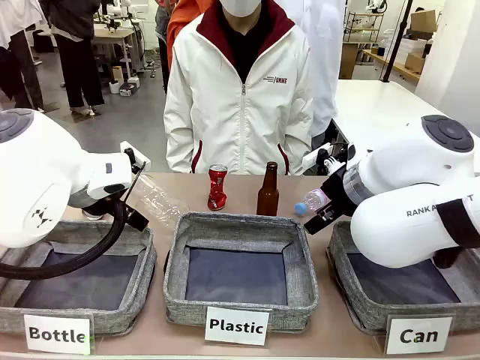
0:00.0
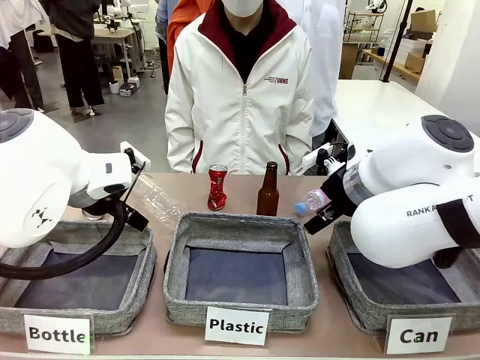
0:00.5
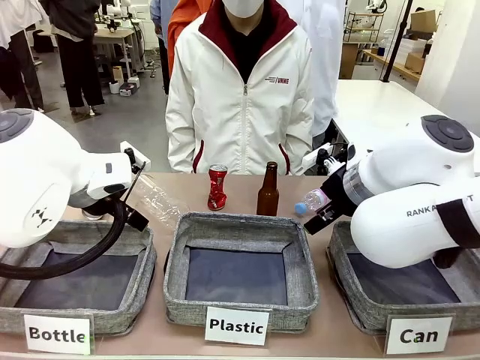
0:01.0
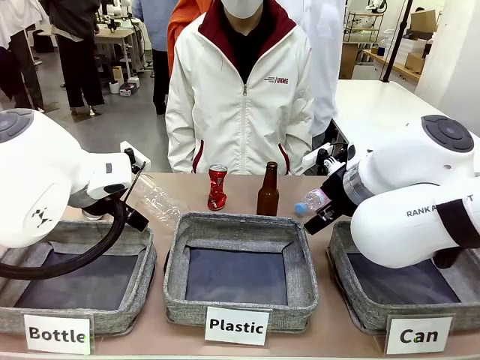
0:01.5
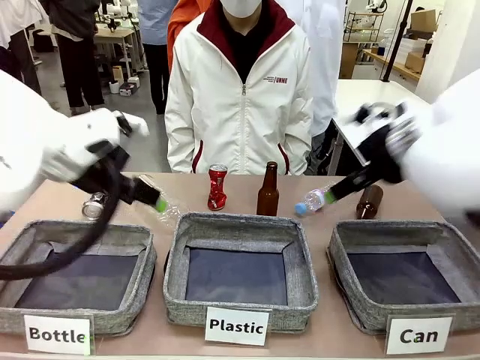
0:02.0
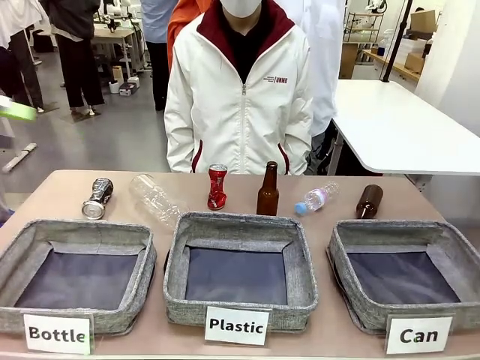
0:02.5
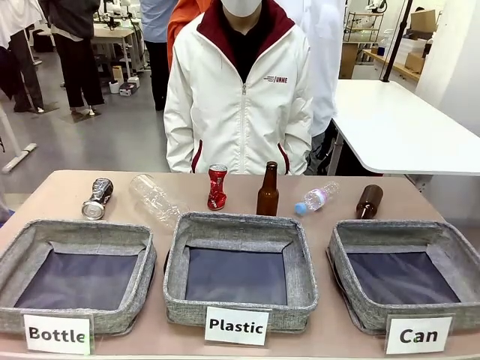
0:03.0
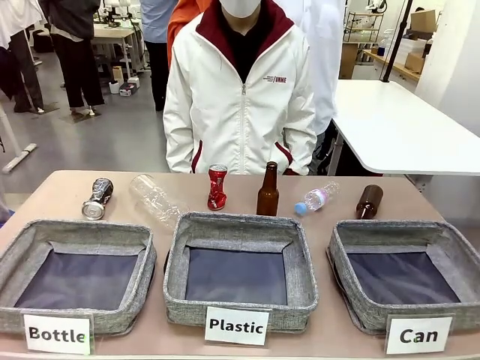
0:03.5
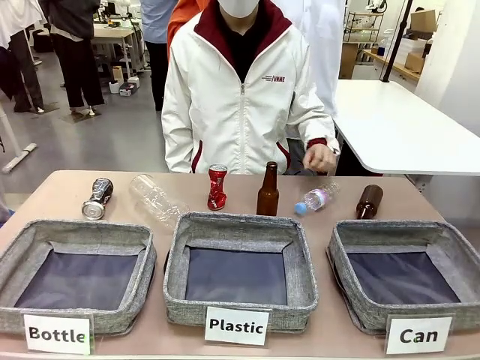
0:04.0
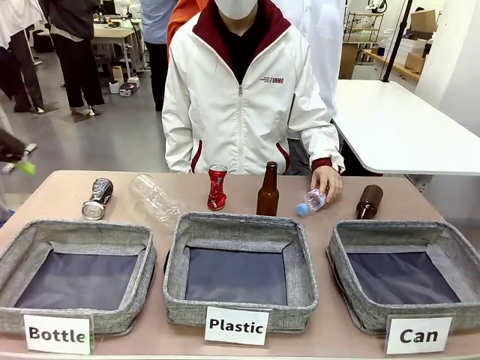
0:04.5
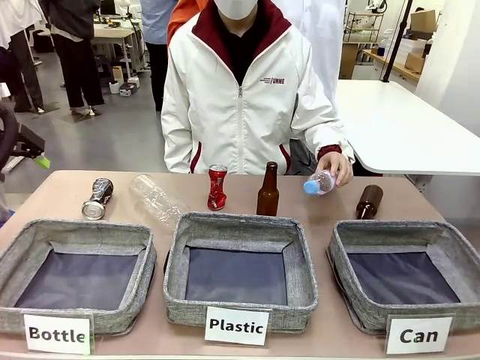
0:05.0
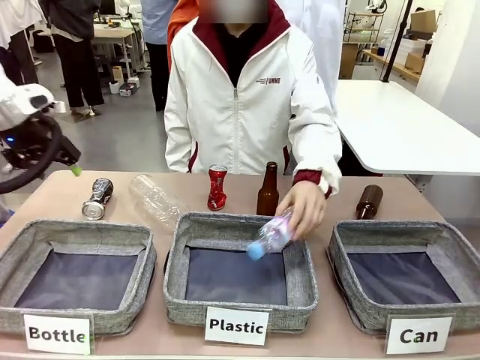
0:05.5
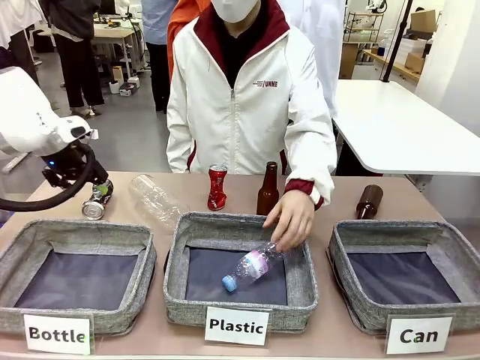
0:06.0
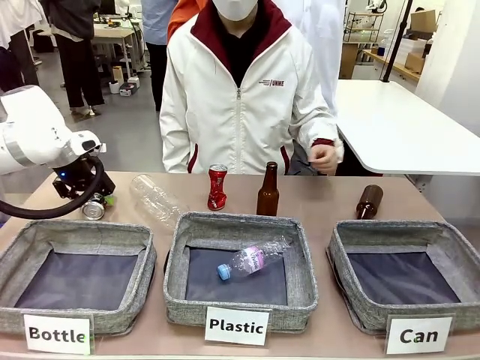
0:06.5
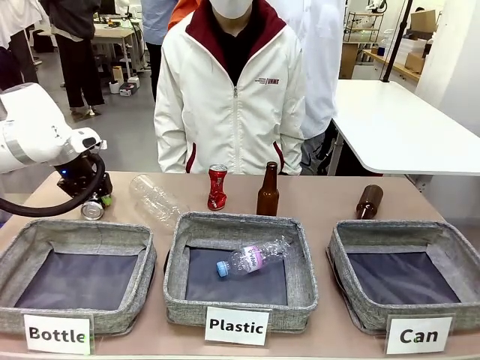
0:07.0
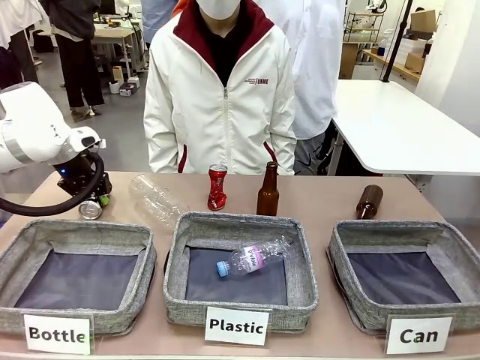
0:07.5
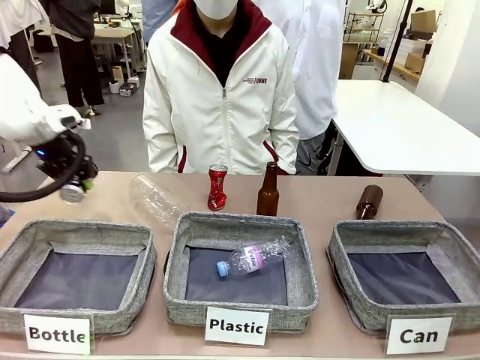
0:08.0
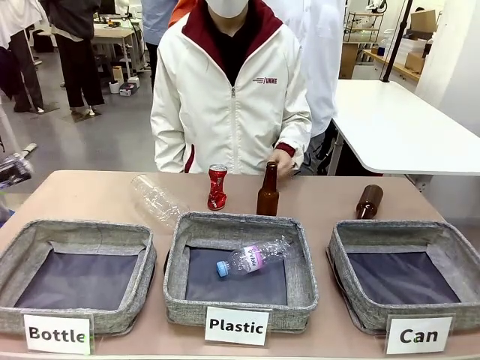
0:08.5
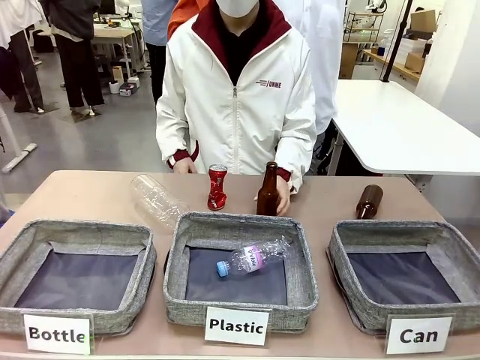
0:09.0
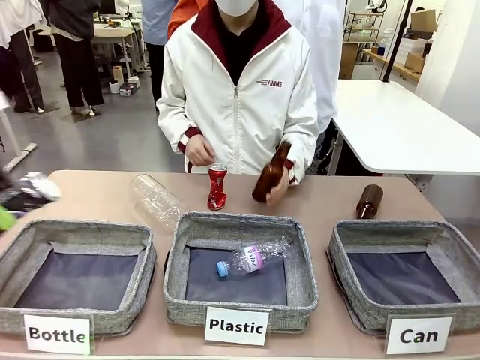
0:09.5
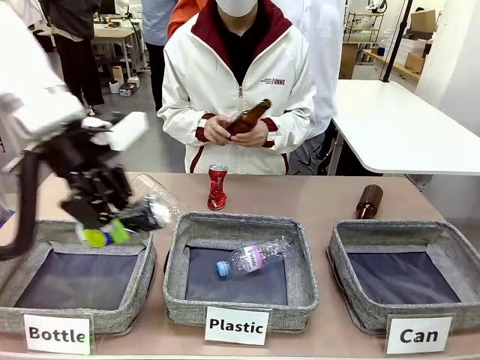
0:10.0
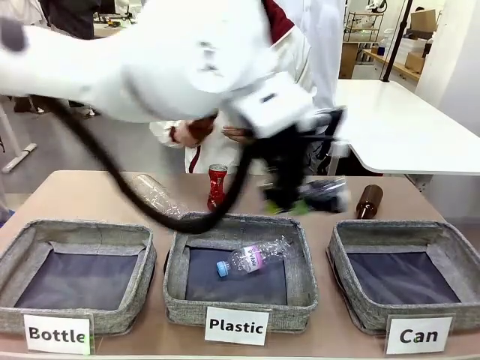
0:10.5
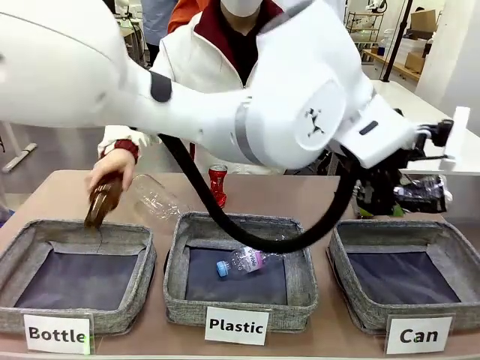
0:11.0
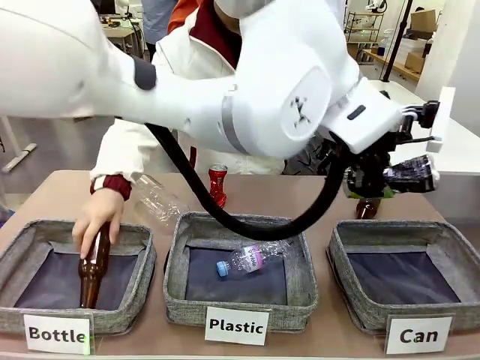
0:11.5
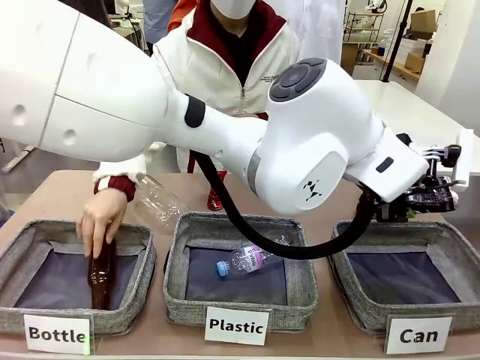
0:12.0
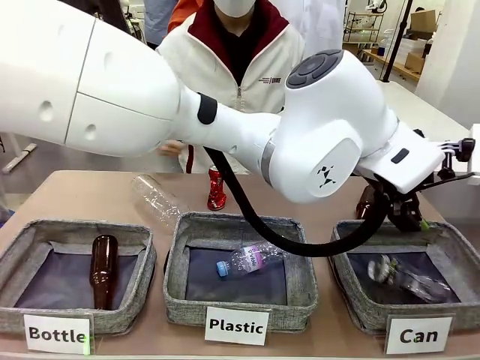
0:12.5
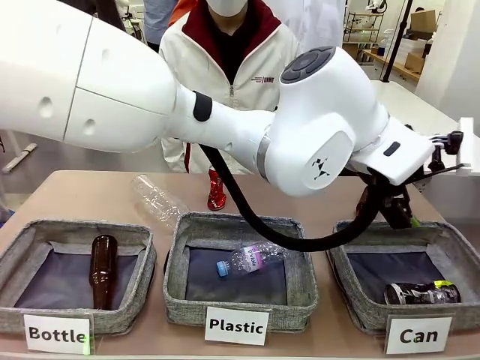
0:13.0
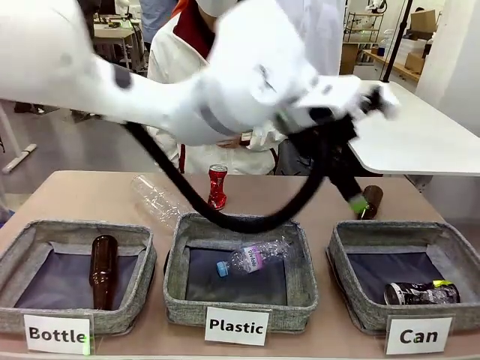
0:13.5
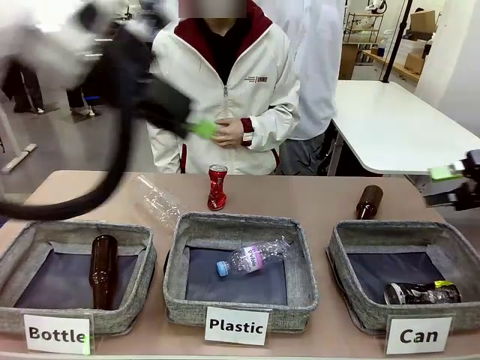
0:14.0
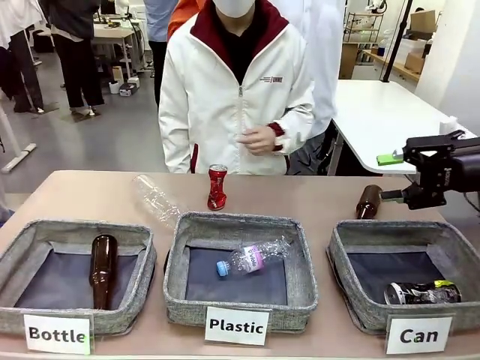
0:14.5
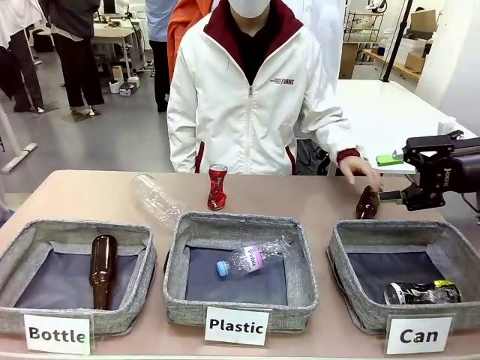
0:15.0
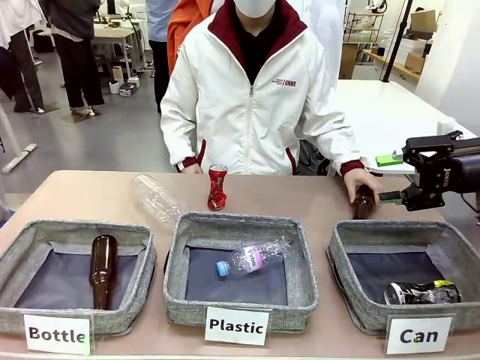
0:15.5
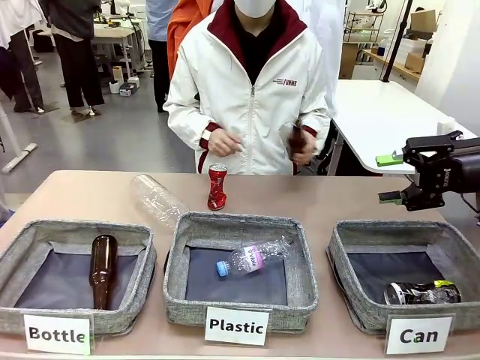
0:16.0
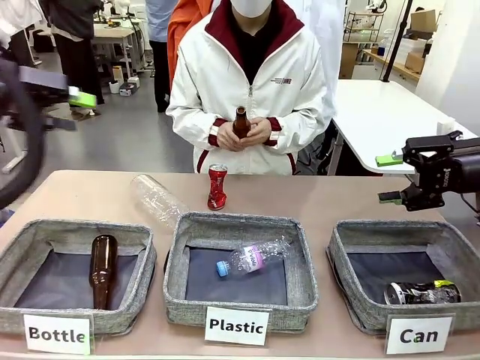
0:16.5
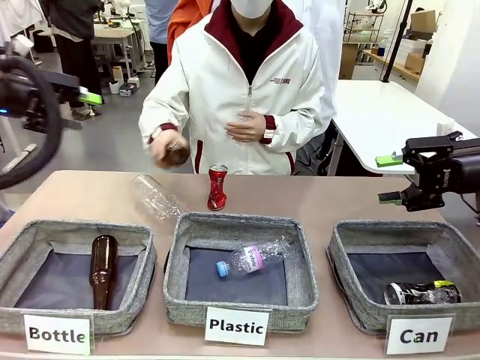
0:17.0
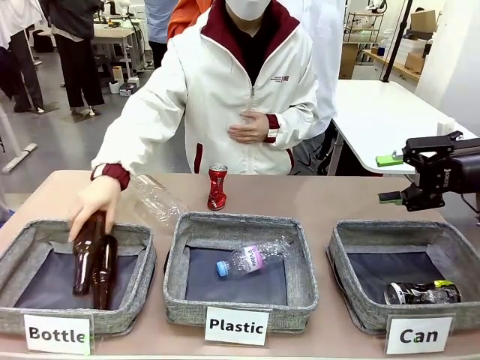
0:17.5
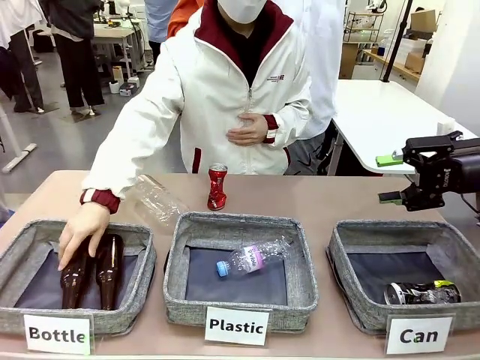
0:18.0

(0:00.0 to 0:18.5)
Task: Sort the can waste into the basket.
Robot: Pick up the can waste from the table and place it in the right Fabric basket.
